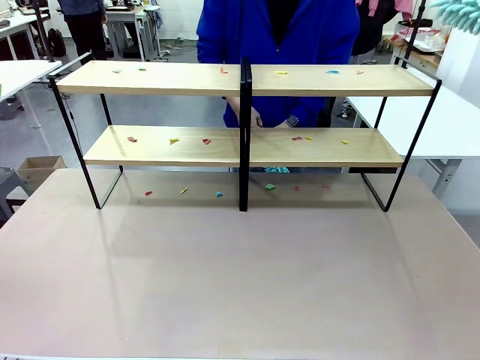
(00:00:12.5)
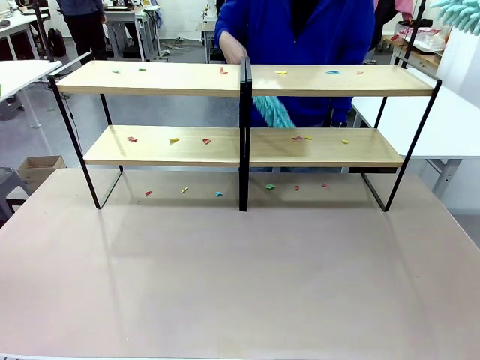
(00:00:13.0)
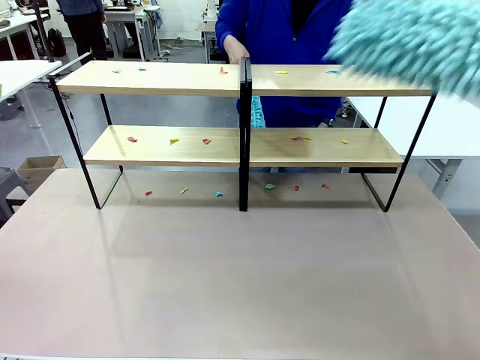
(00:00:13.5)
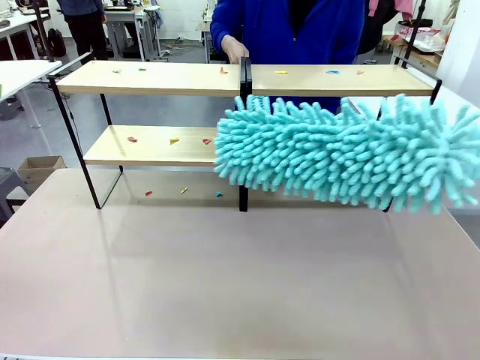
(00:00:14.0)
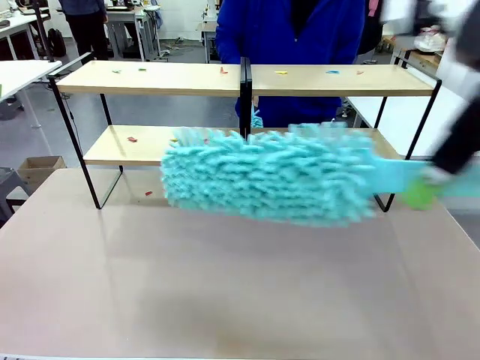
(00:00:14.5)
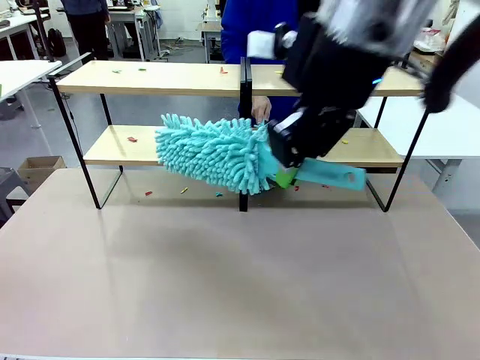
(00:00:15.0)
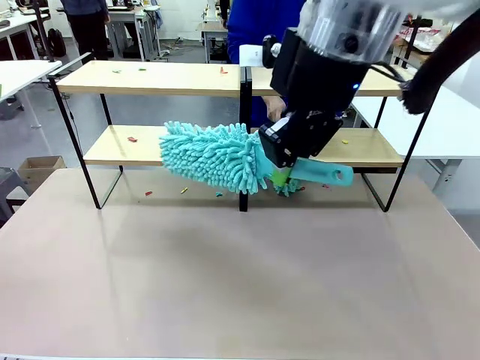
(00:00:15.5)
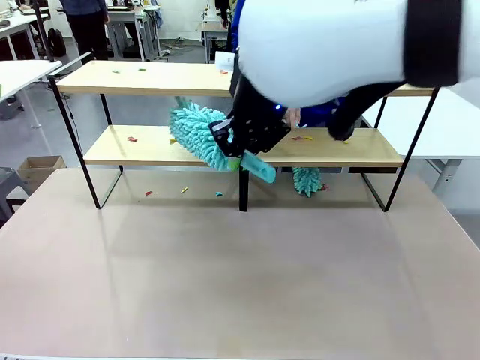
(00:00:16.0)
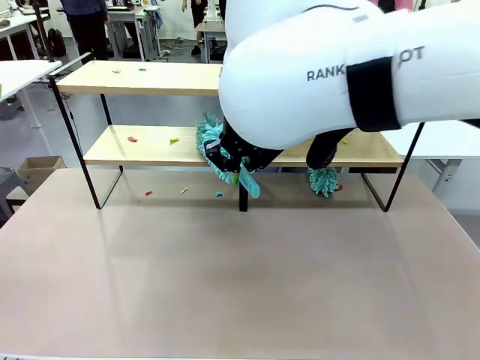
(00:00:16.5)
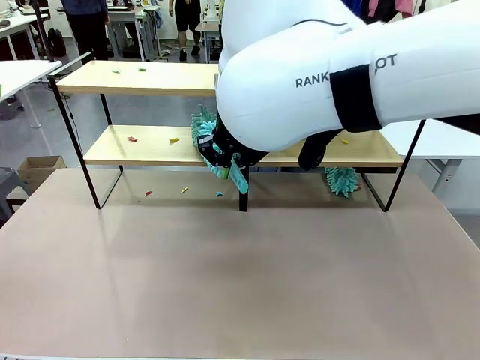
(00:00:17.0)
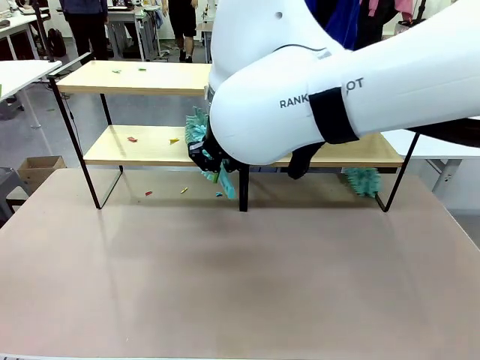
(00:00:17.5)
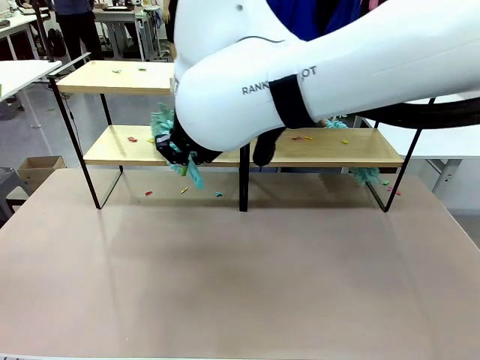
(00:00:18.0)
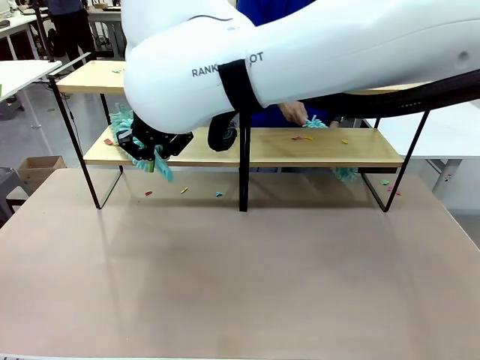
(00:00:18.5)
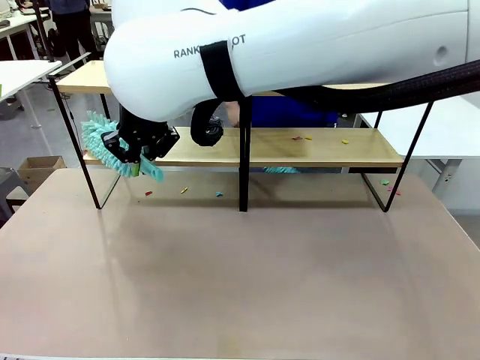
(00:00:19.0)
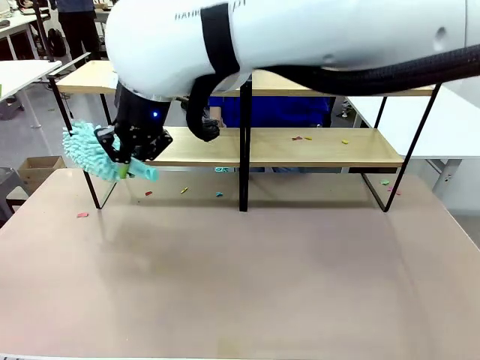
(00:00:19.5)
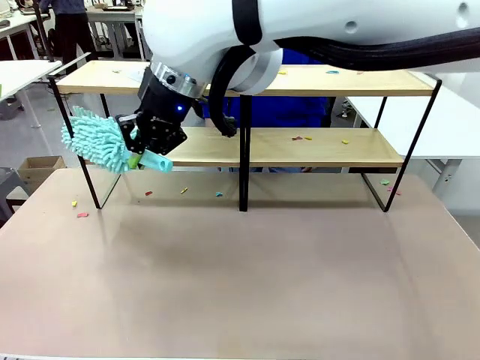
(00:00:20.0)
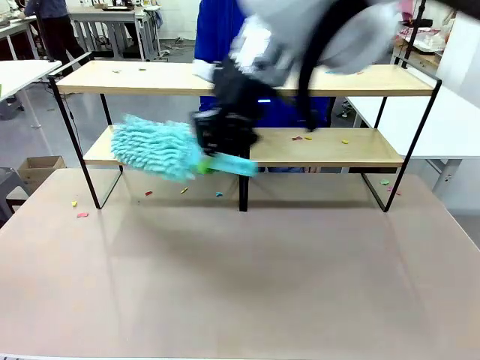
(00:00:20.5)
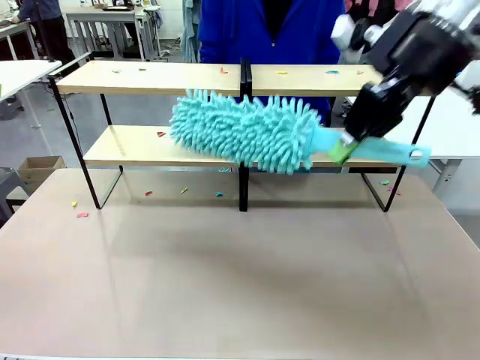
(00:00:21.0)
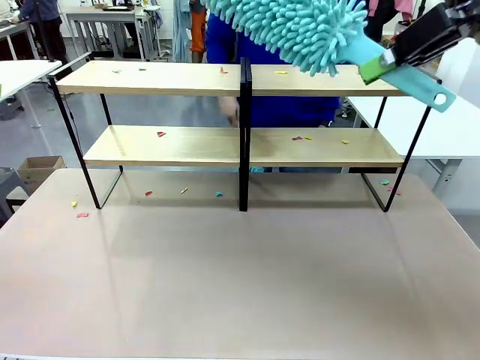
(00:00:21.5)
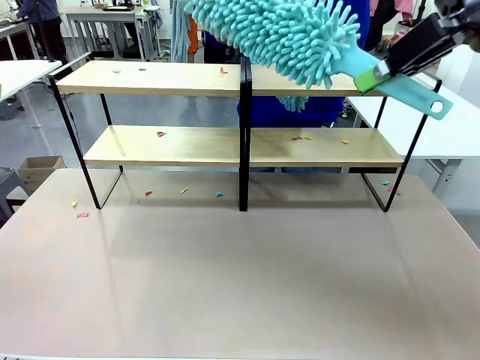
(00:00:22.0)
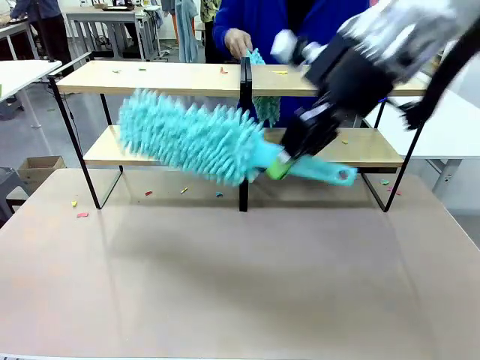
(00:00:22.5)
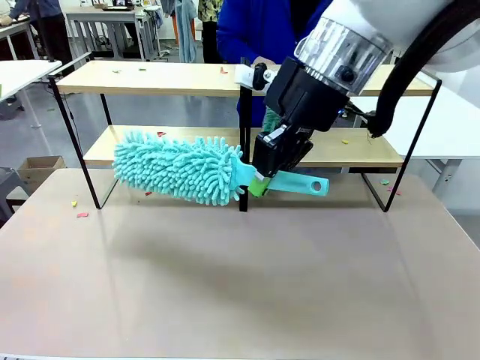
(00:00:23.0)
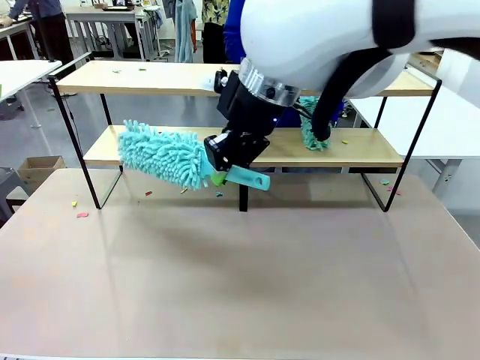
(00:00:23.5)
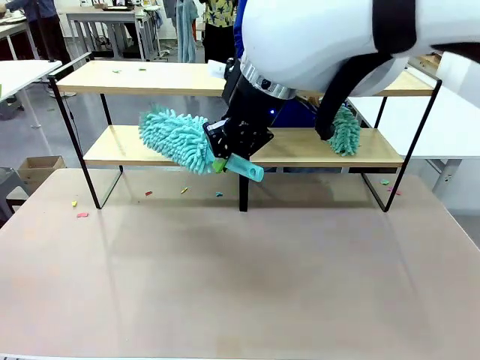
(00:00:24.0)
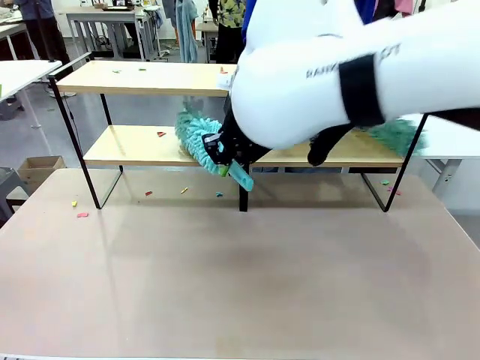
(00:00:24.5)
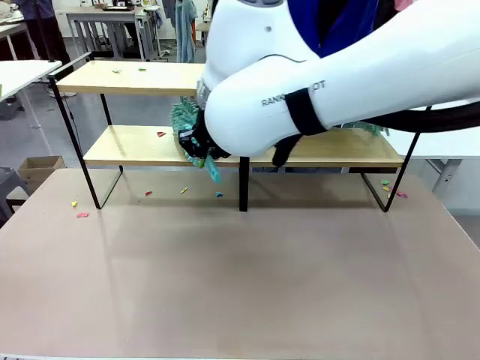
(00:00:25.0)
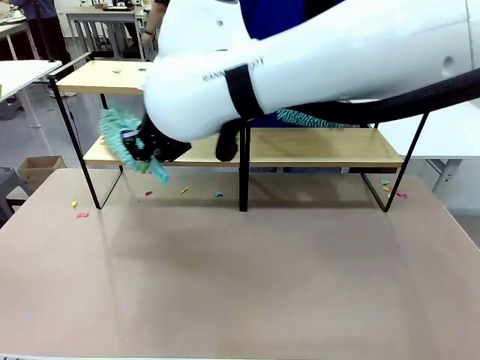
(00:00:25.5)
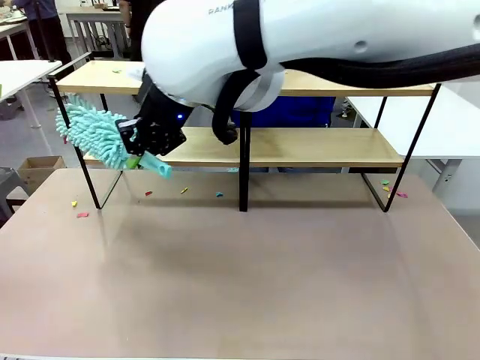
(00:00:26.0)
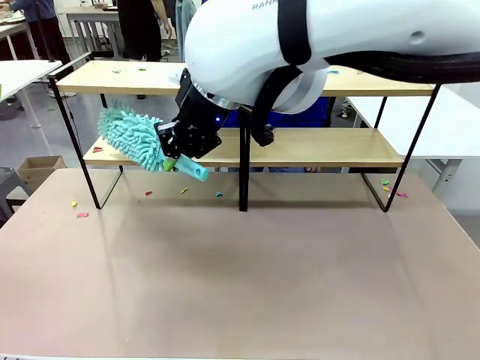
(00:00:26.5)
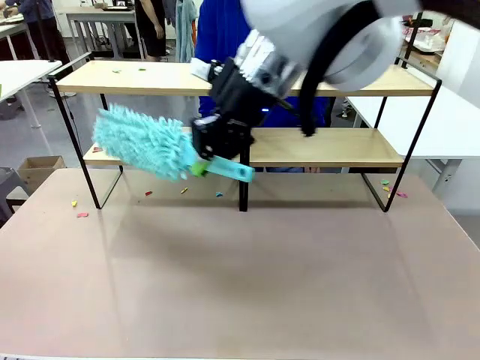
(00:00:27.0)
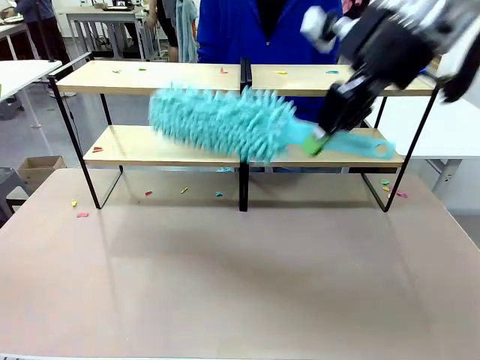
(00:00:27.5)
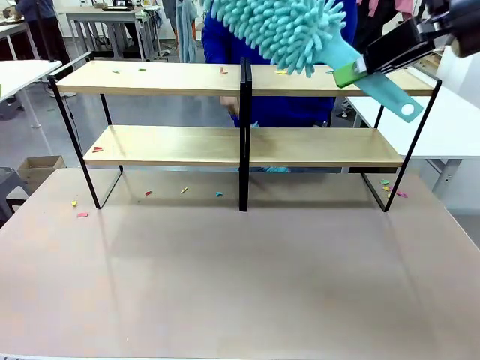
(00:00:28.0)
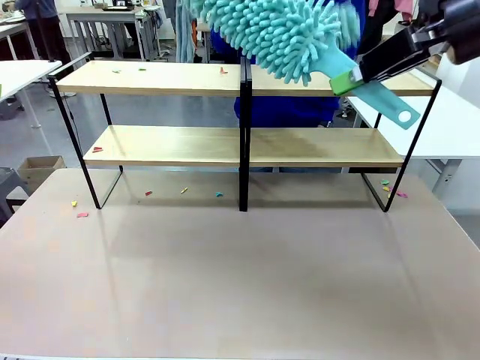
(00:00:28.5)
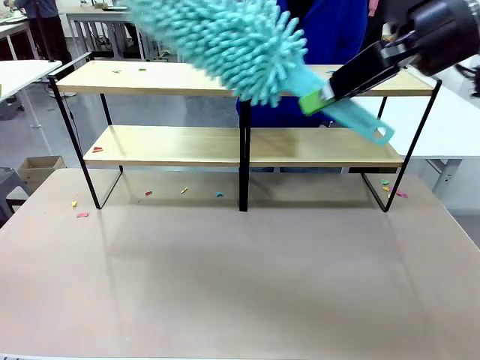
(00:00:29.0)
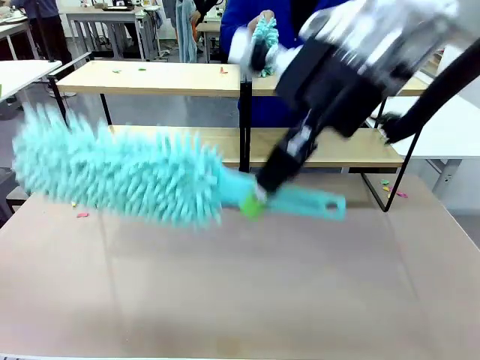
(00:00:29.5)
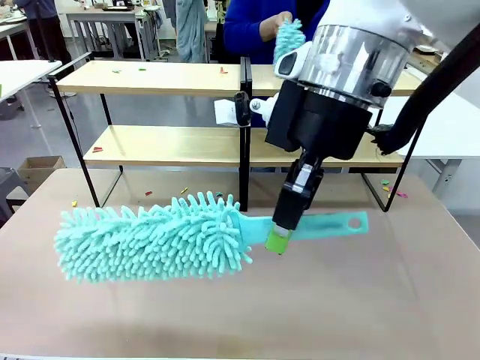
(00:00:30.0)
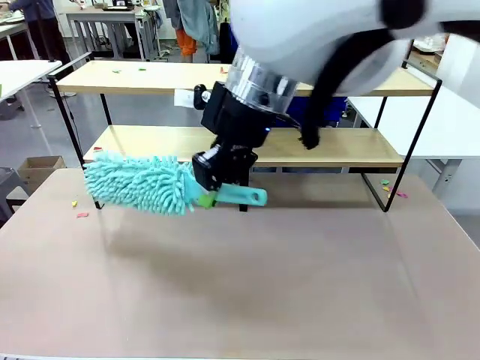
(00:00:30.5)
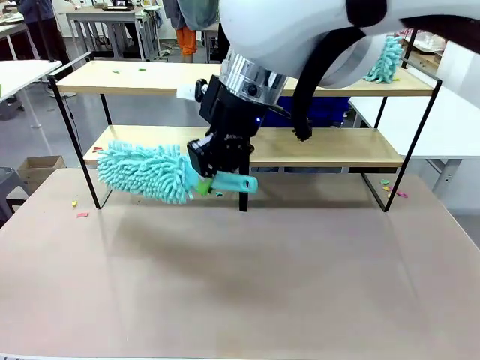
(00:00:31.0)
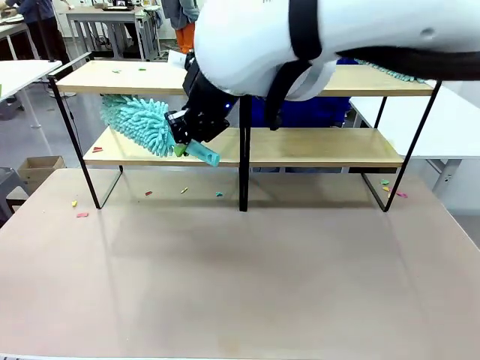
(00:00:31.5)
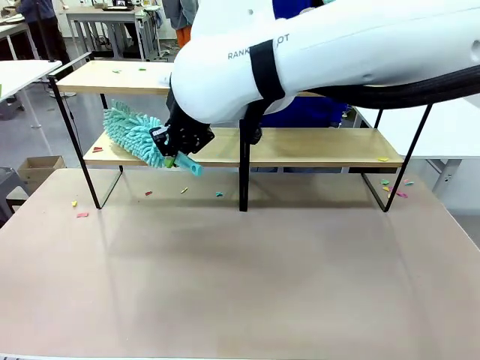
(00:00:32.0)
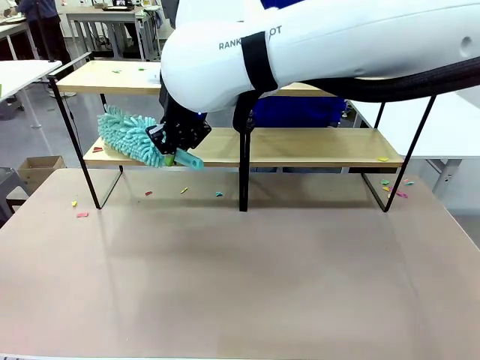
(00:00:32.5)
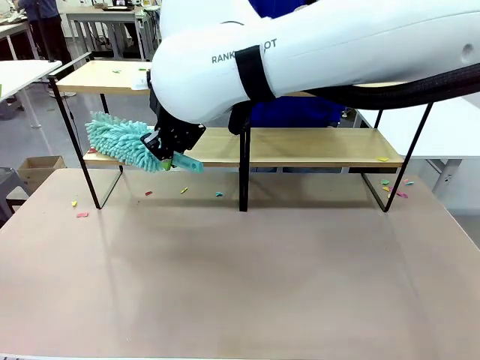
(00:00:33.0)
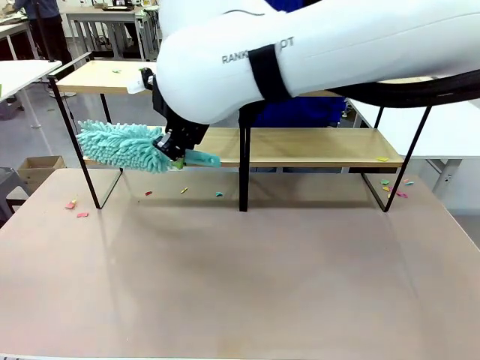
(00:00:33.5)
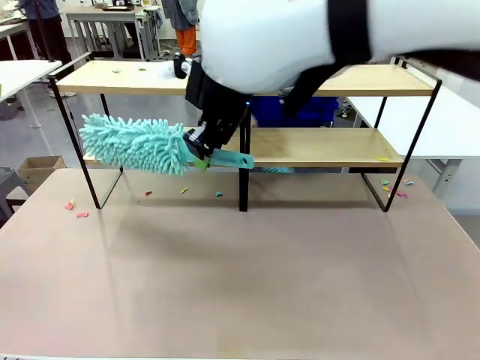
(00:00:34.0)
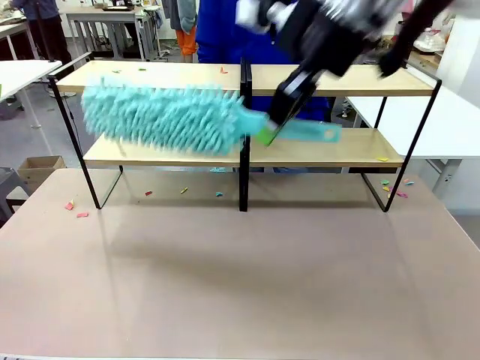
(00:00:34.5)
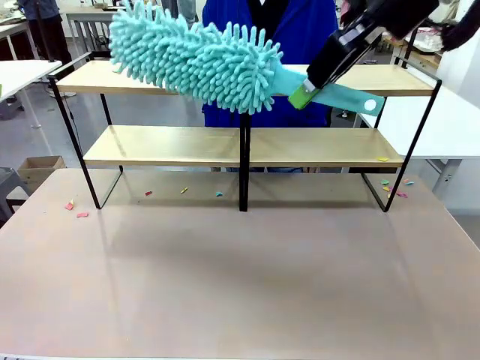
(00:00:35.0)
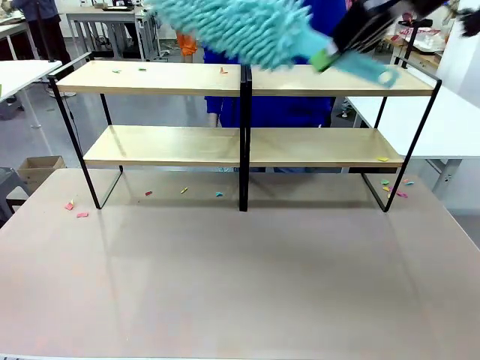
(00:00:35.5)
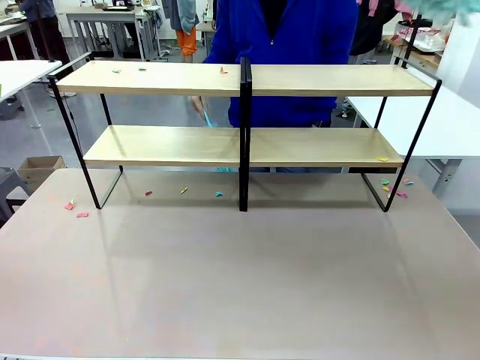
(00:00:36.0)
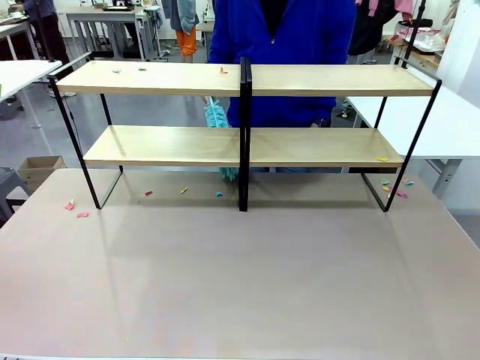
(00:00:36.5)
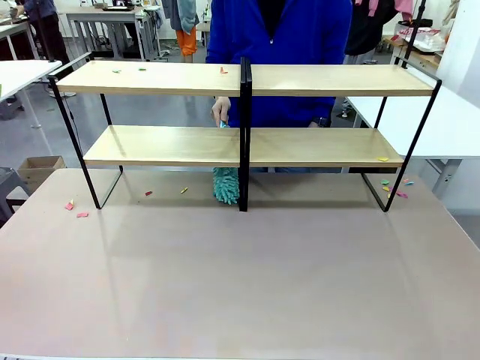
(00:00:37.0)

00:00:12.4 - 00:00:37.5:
Task: Clean the shelves.
Robot: Clean a randomly selected level of the Shelf with the Duster.
